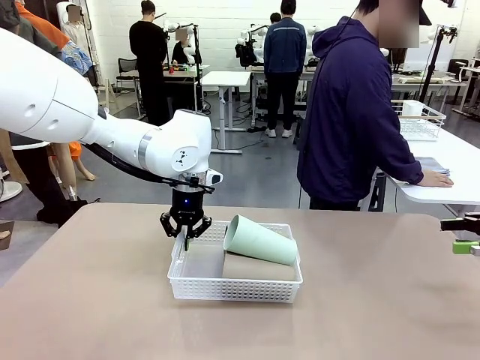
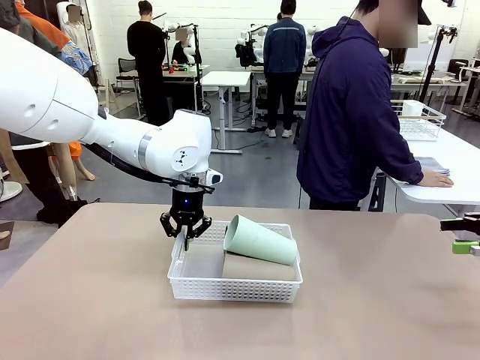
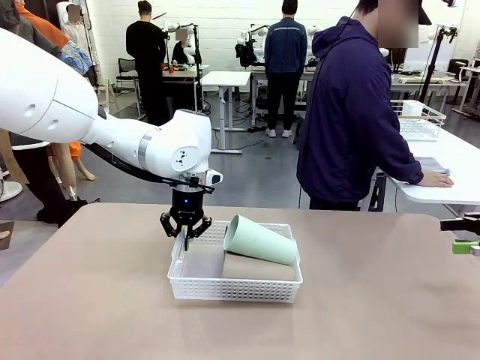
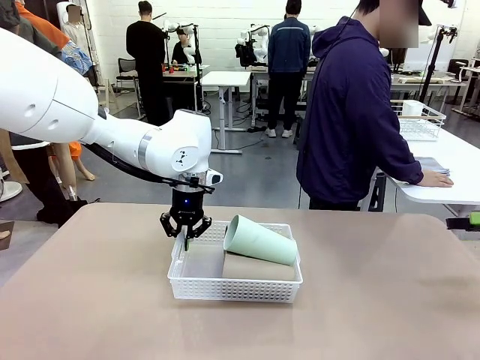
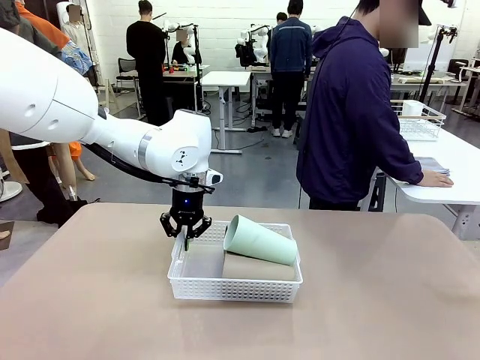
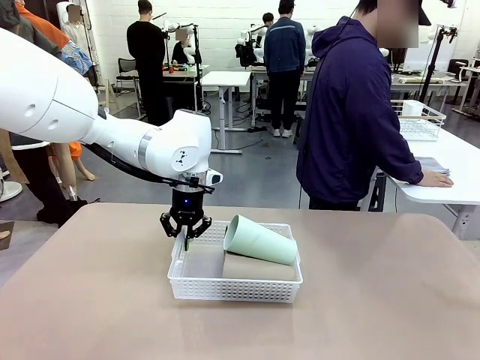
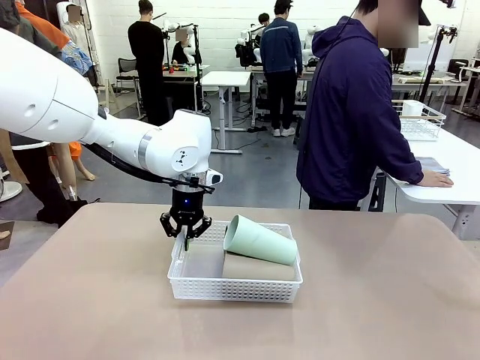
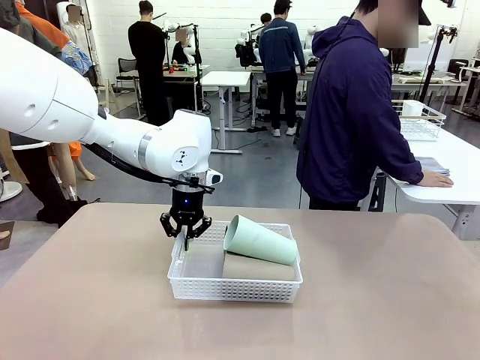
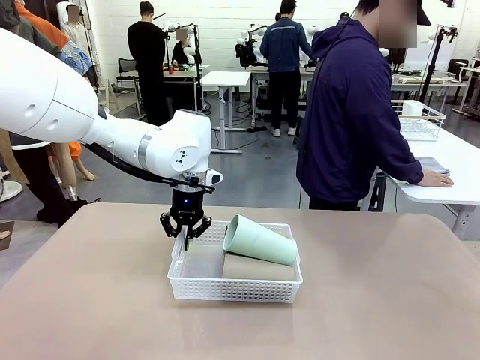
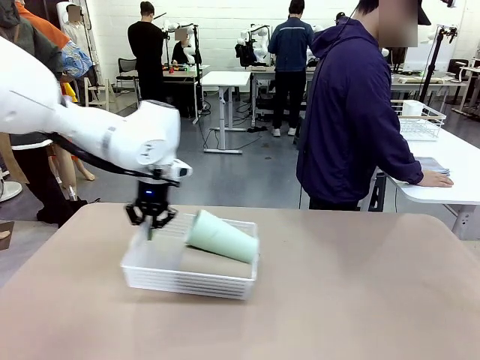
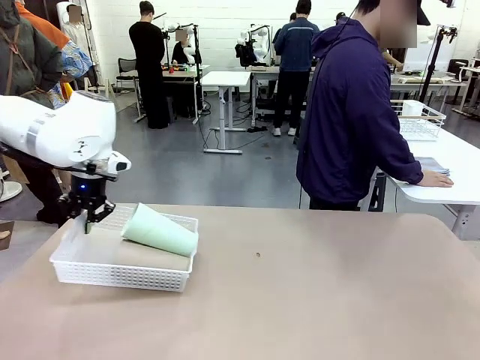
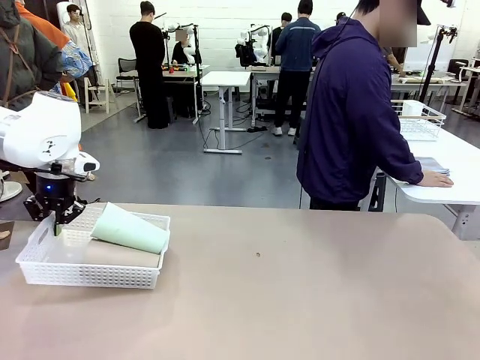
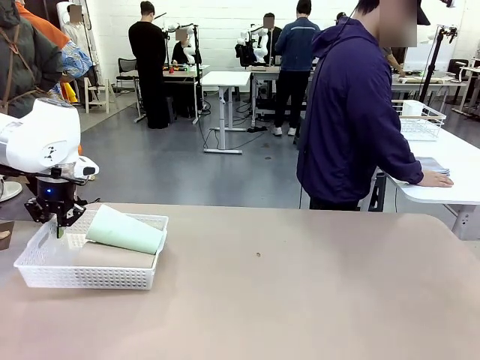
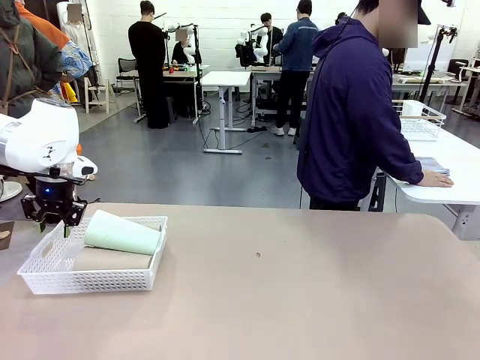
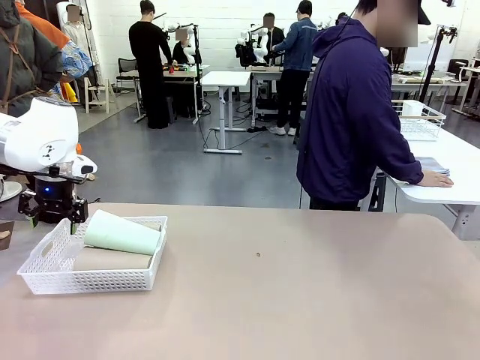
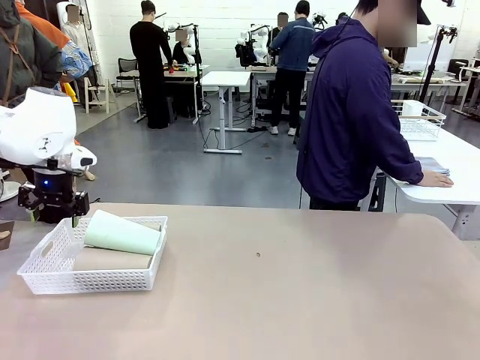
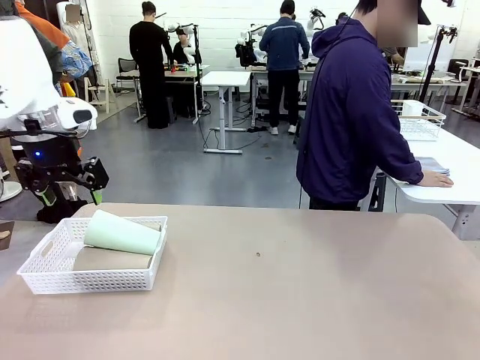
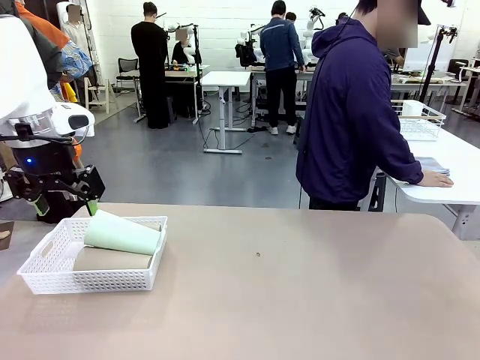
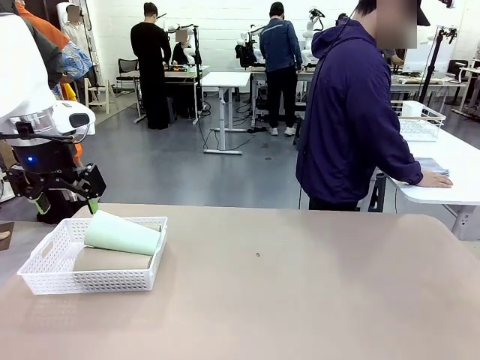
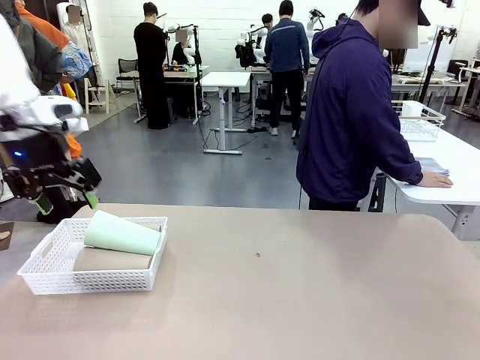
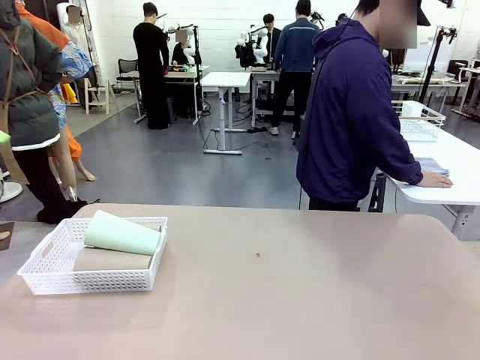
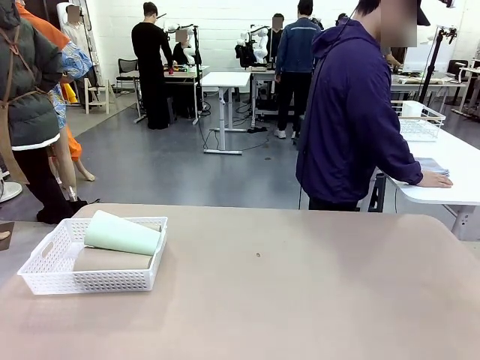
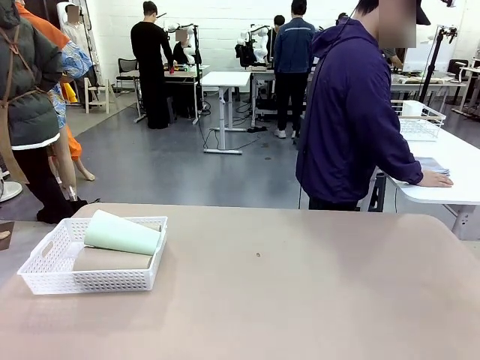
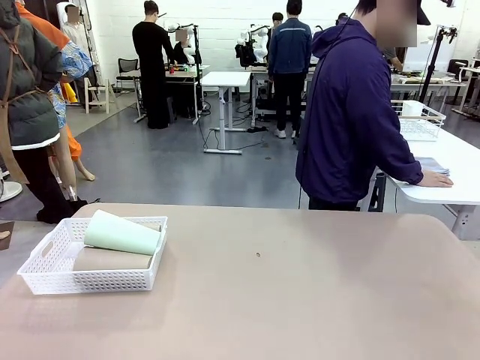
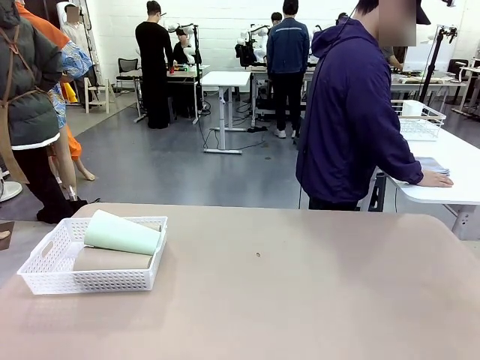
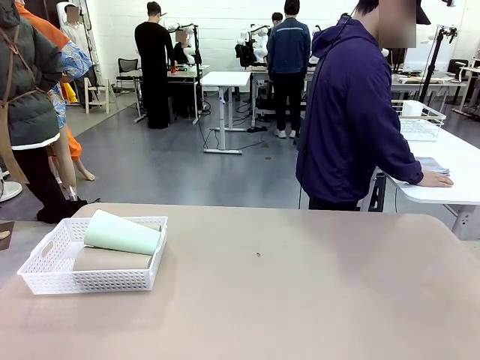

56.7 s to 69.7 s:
Task: Clean and organize the cups into the basket.
Robot: Move the Organizing basket back to the left side of the table.
Person: Folds the towel in half twice and places it in the right of the table.

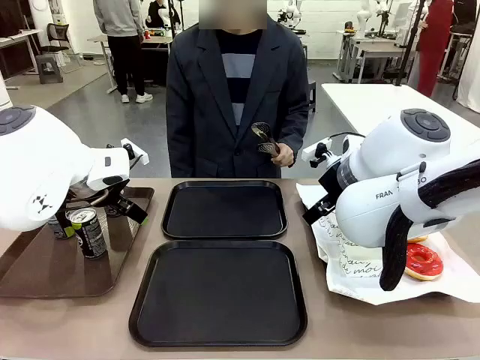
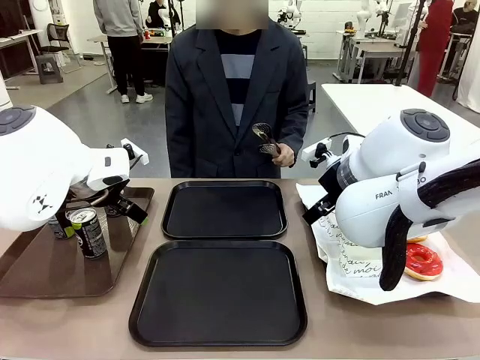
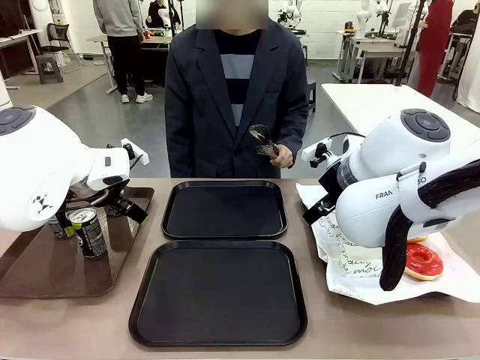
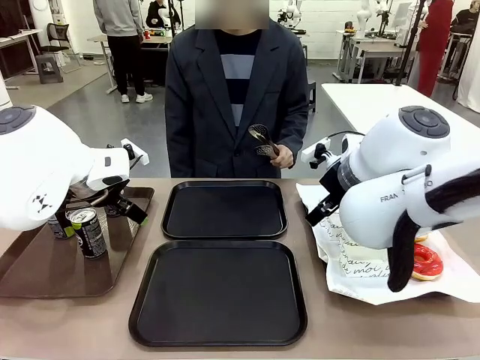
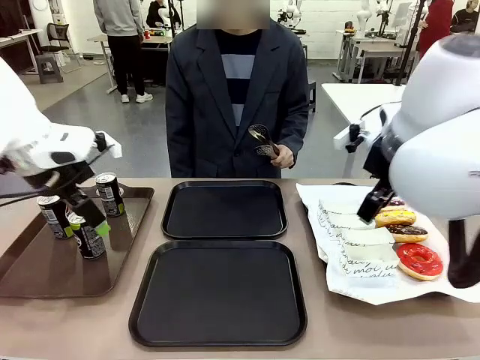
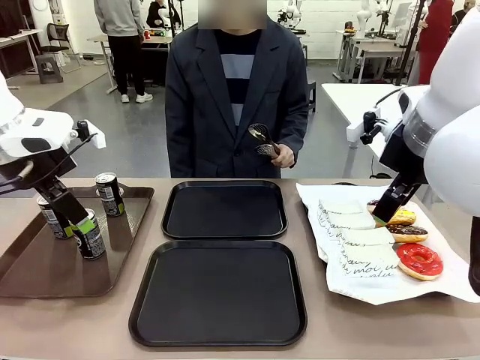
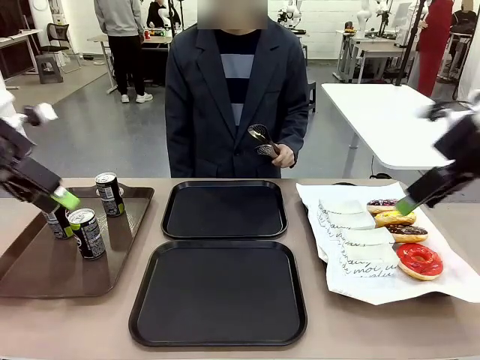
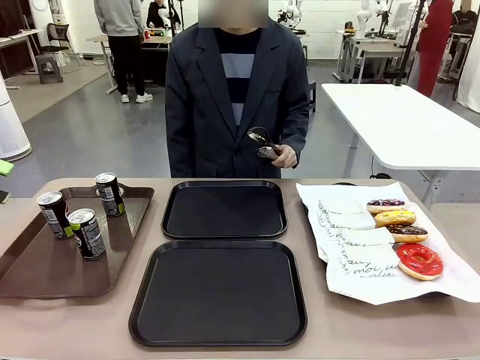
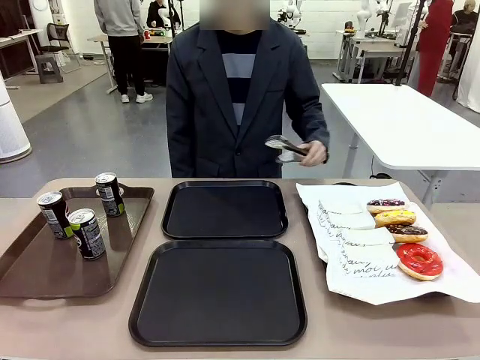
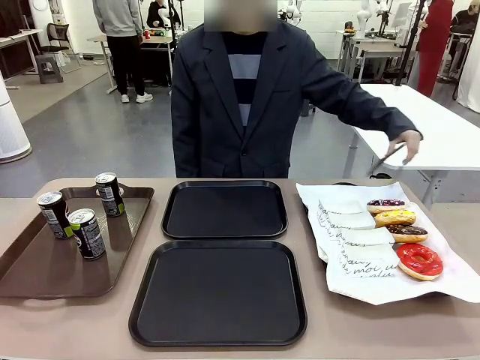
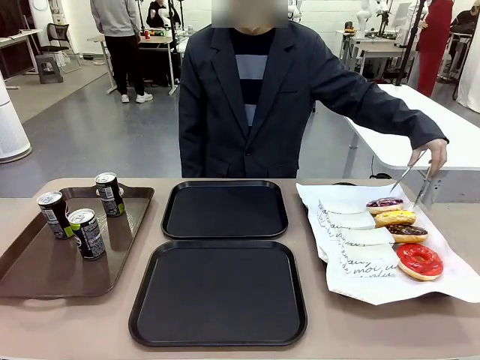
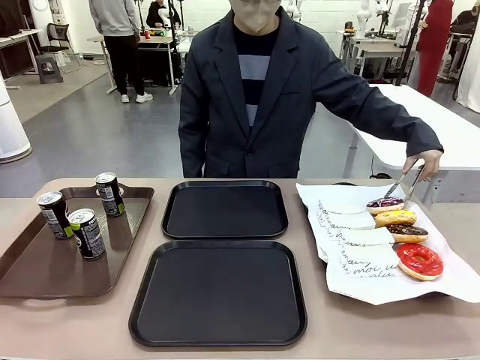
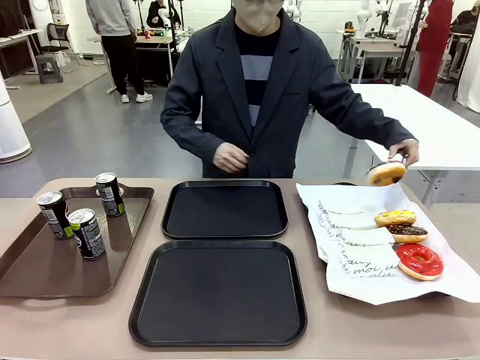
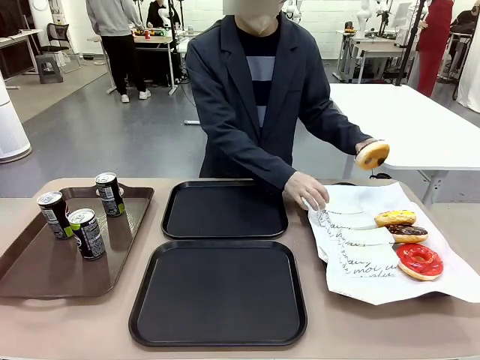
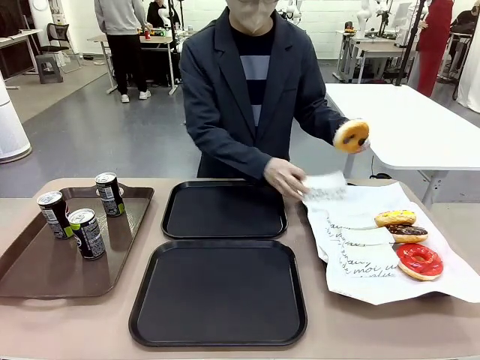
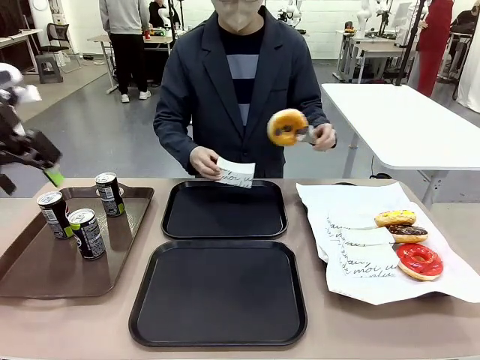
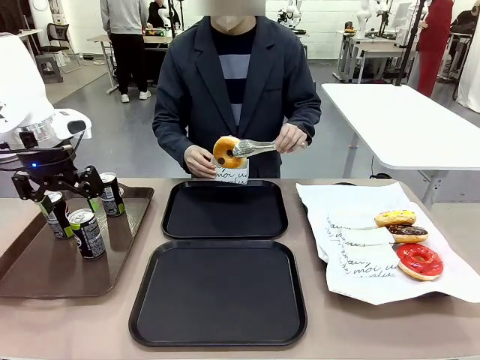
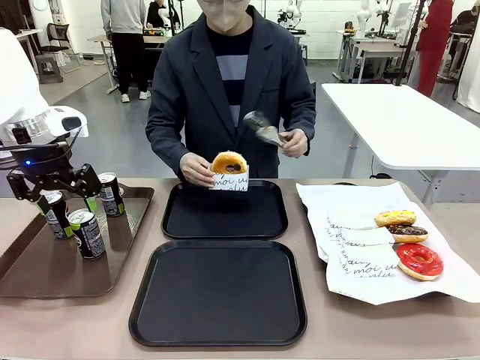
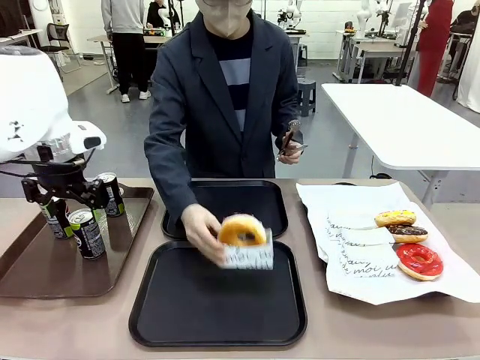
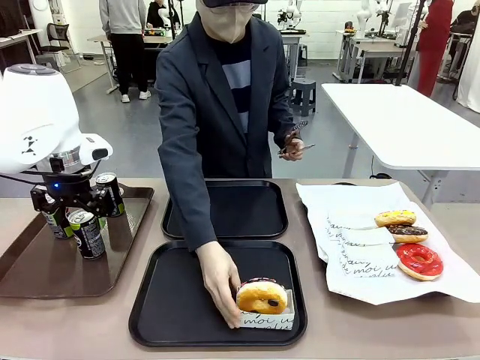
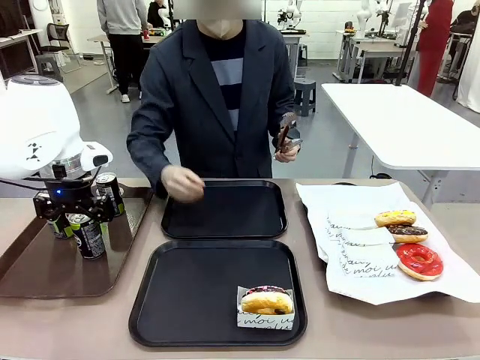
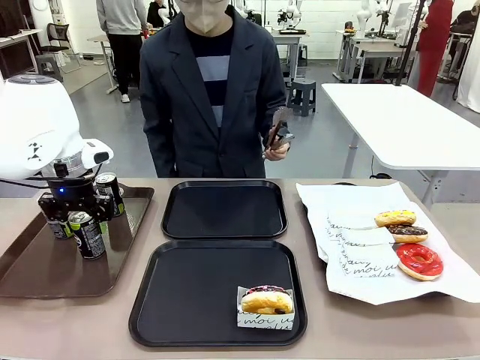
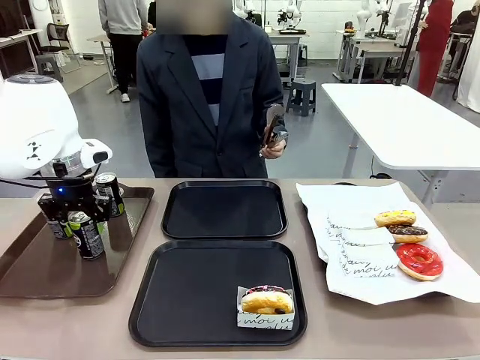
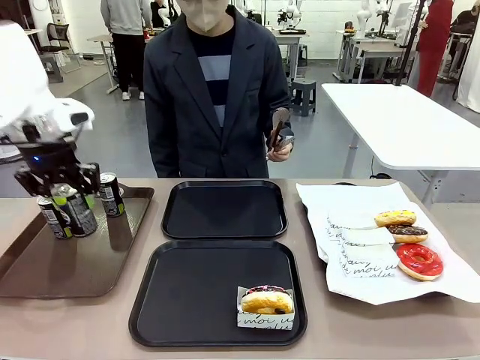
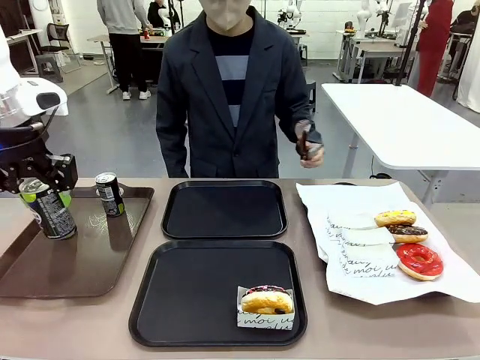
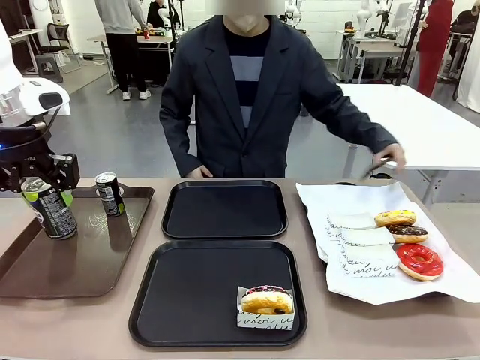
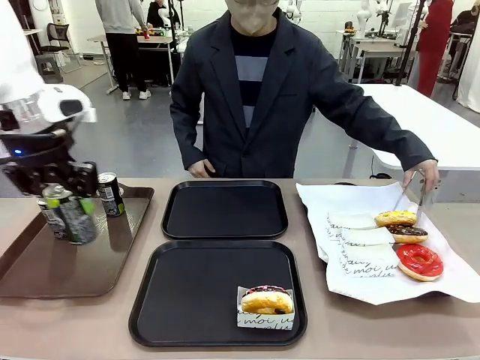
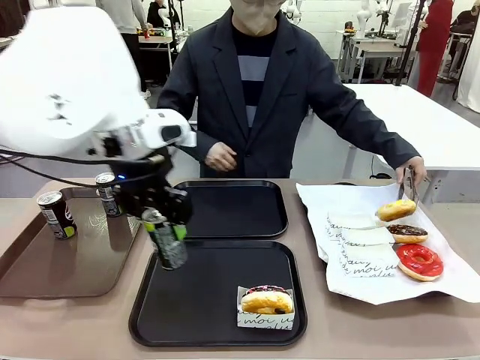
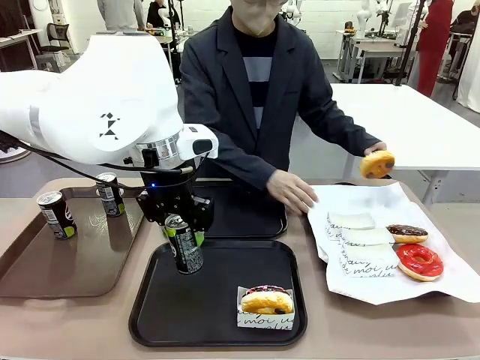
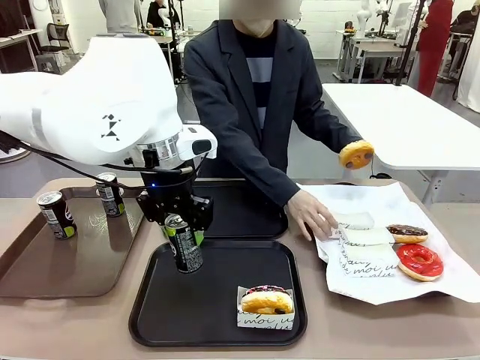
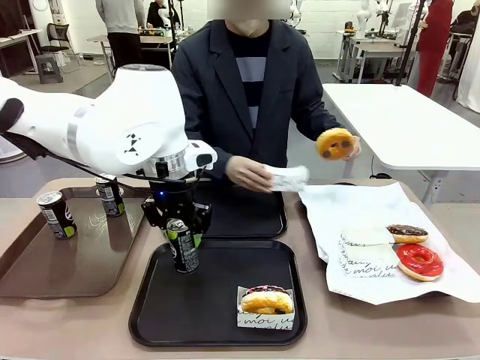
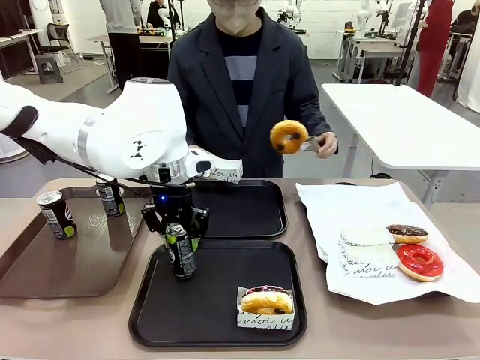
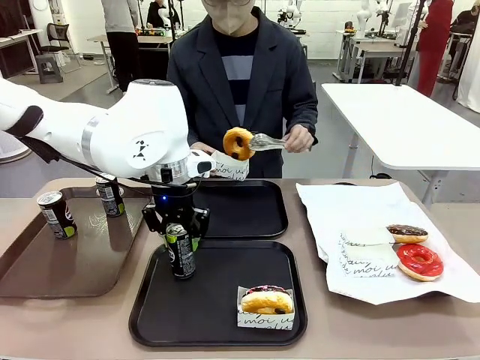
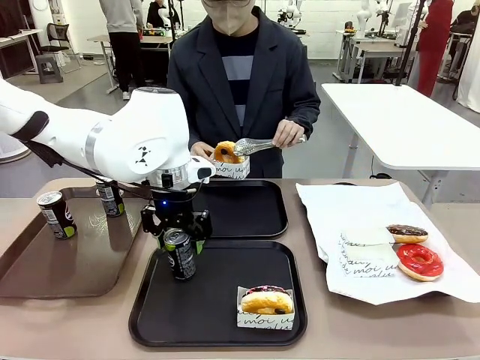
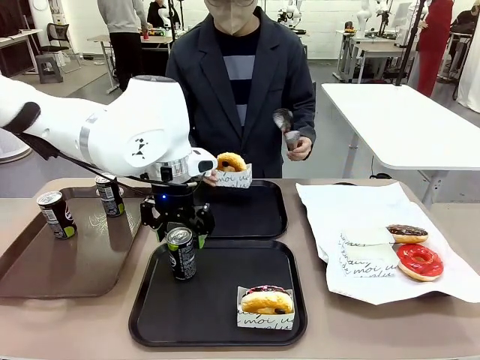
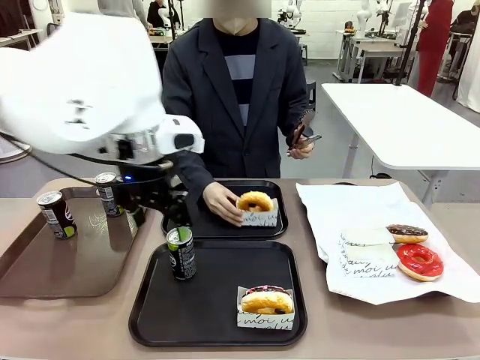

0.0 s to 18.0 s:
Task: Set up donuts and drinks on trays.
Robot: Pick up one Pepsi coke and place it on the Flat Tray.
